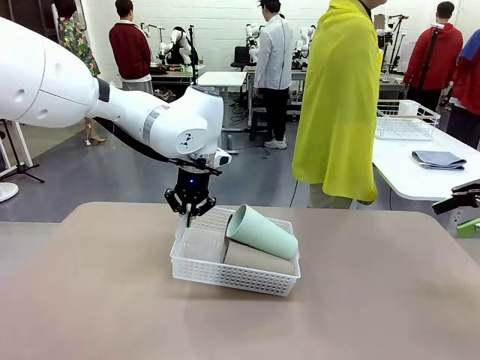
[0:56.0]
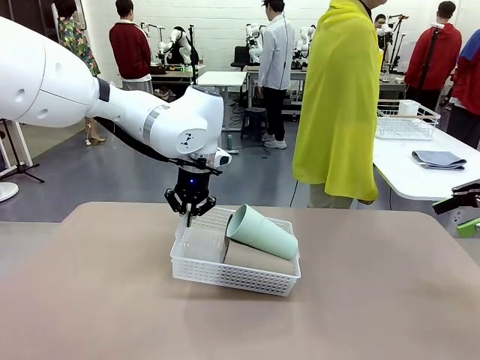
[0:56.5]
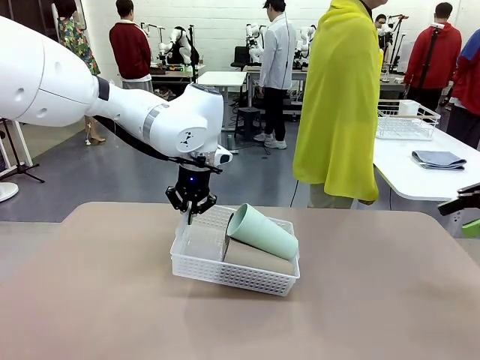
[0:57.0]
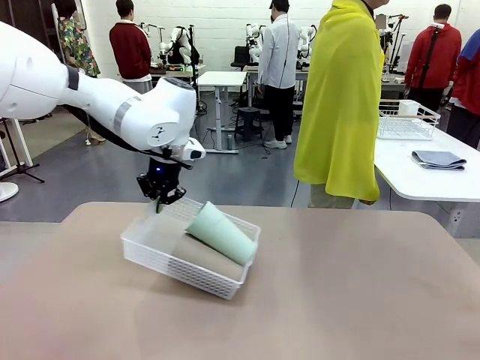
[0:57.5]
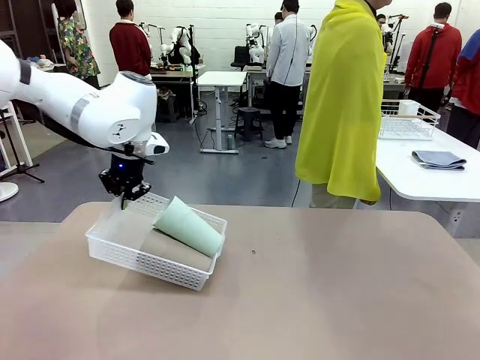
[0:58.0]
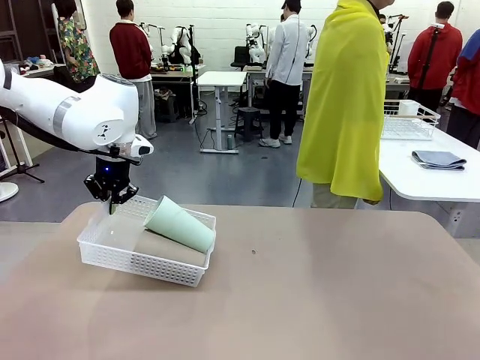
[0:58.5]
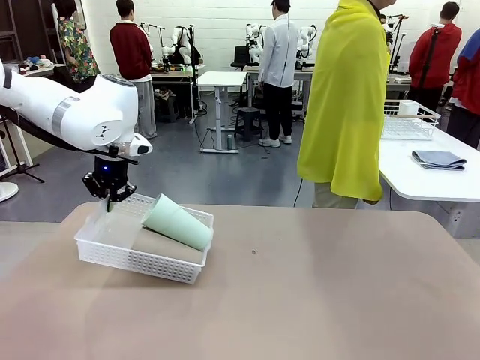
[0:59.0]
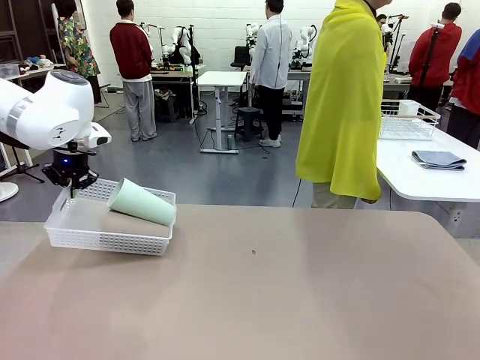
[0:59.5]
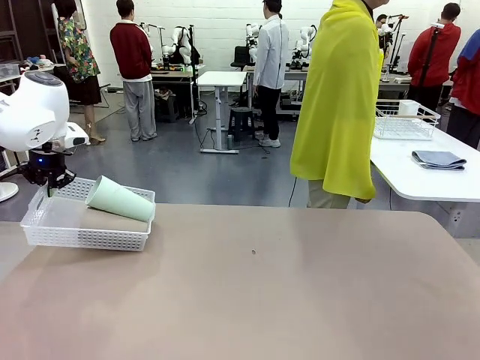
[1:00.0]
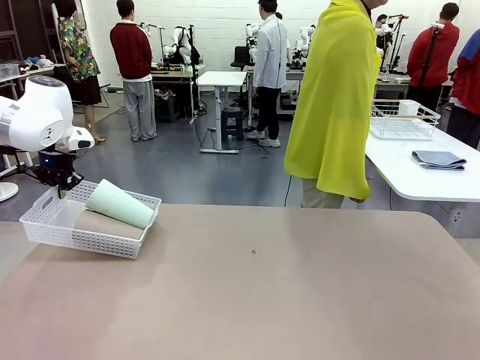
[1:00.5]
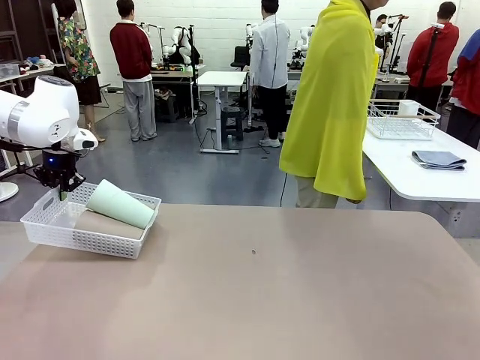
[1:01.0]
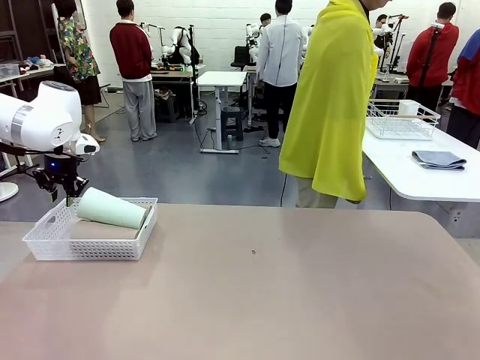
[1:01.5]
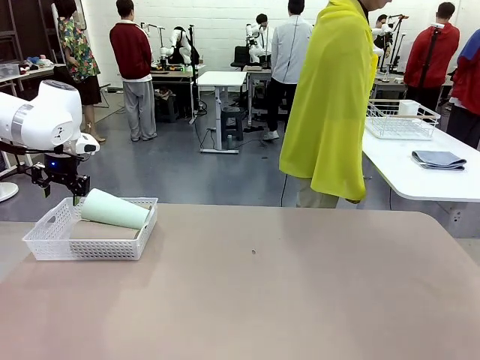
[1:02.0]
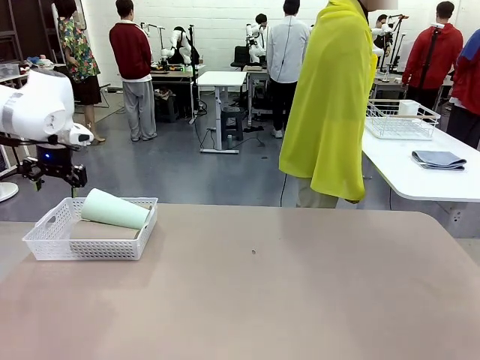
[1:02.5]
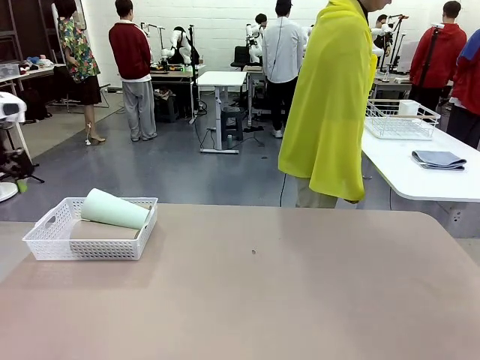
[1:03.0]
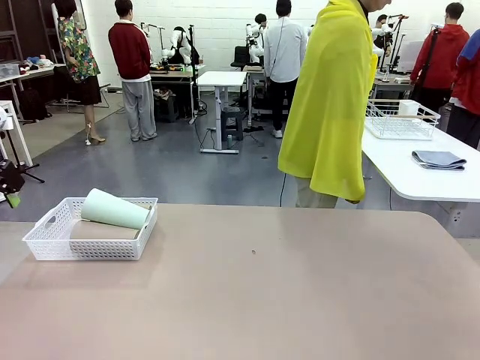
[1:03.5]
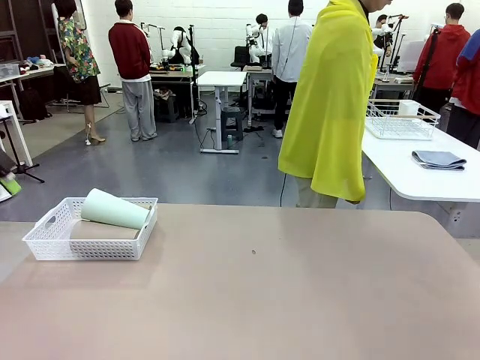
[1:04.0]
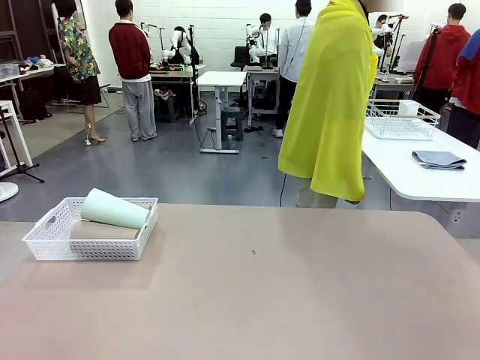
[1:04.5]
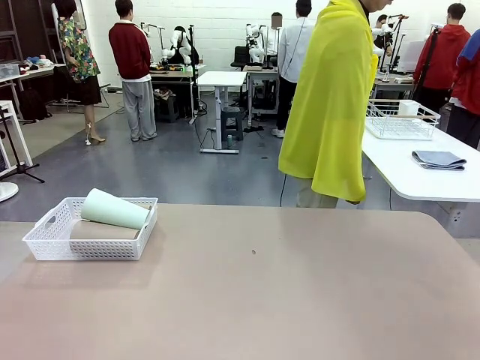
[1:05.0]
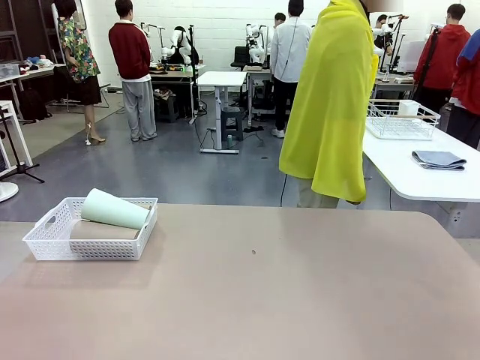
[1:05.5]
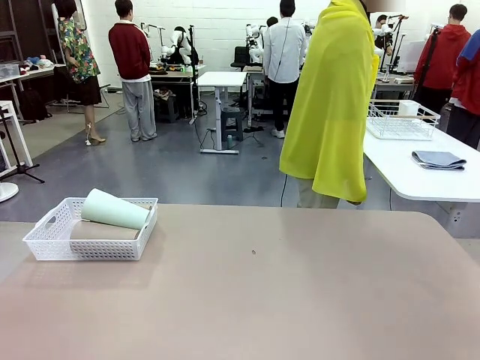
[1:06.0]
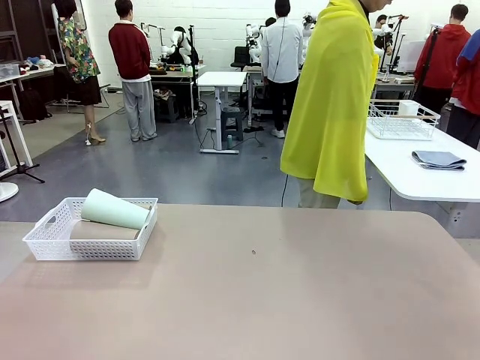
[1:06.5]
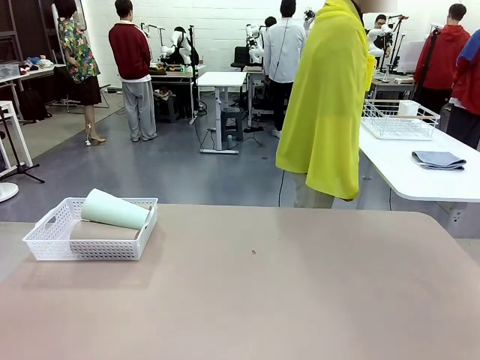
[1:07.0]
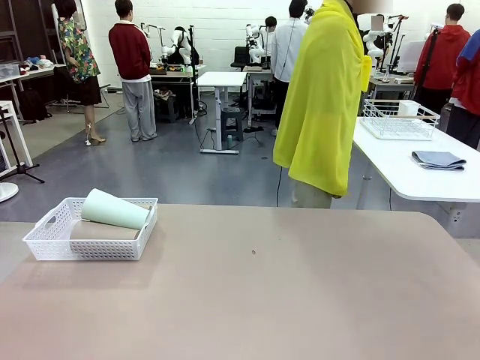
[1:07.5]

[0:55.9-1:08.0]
Task: Clean and organize the cups into the basket.
Robot: Move the Organizing basket back to the left side of the table.
Person: Folds the towel in half twice and places it in the right of the table.

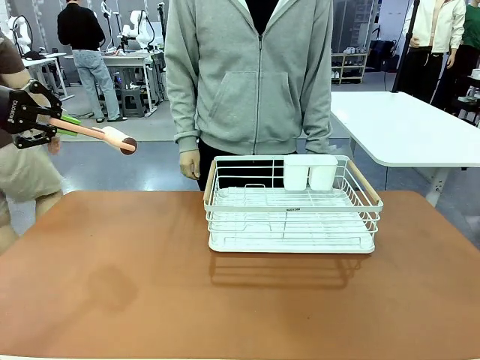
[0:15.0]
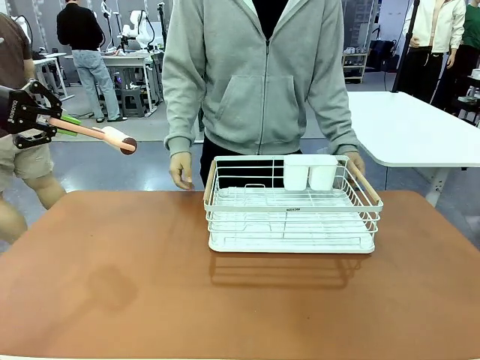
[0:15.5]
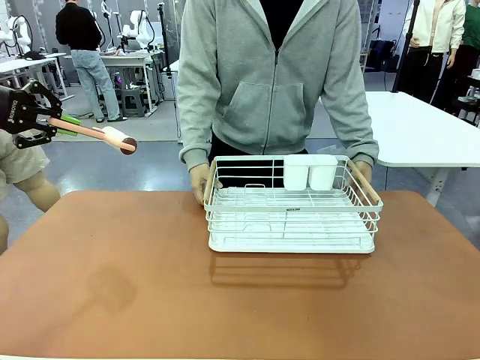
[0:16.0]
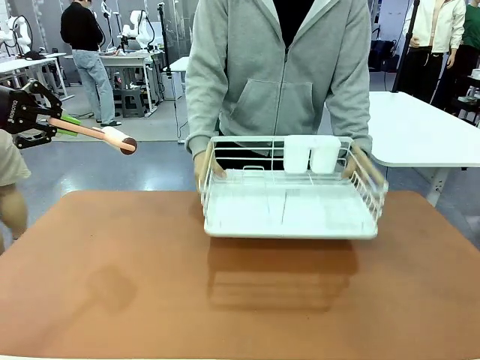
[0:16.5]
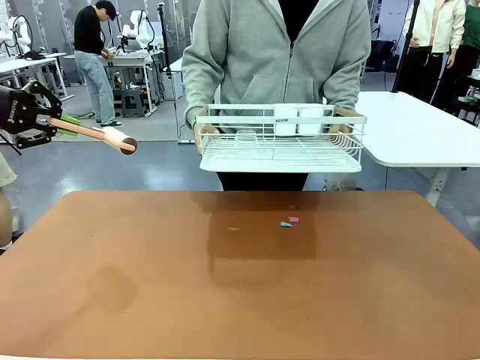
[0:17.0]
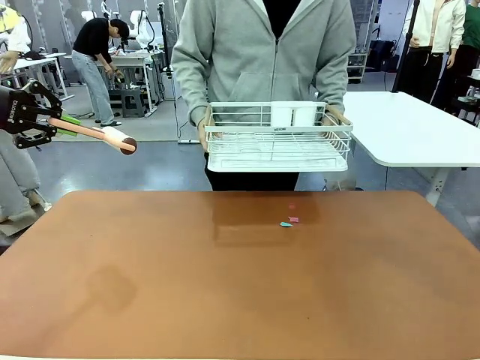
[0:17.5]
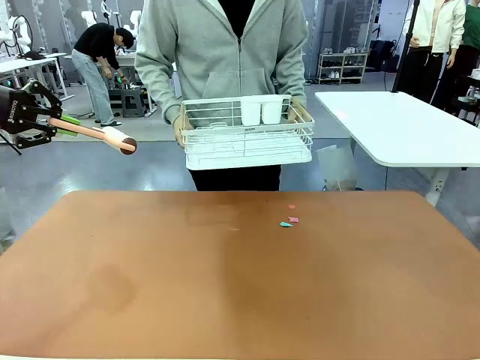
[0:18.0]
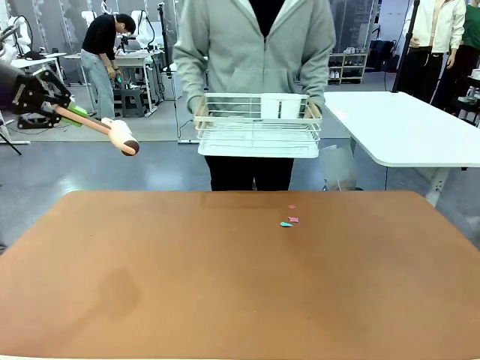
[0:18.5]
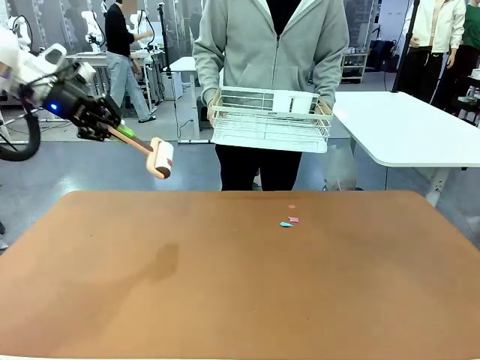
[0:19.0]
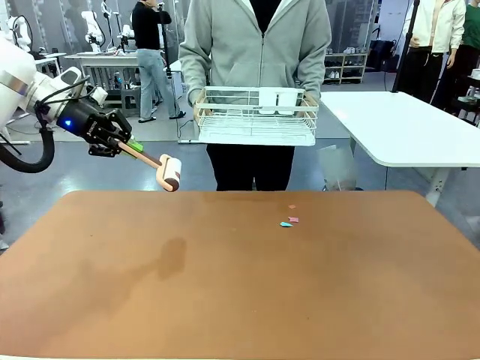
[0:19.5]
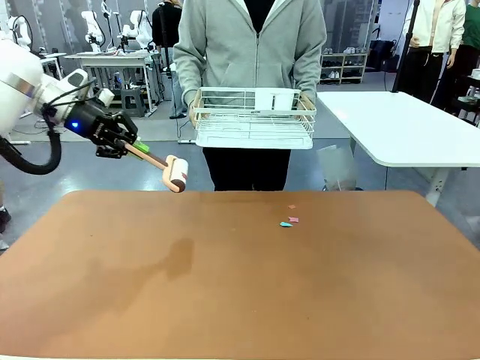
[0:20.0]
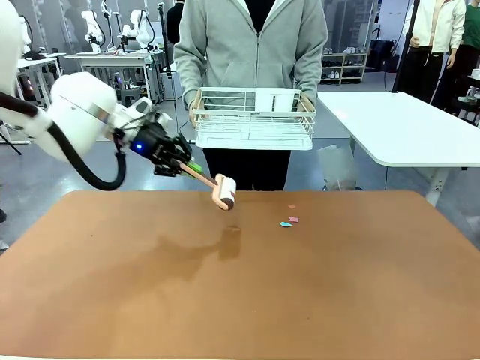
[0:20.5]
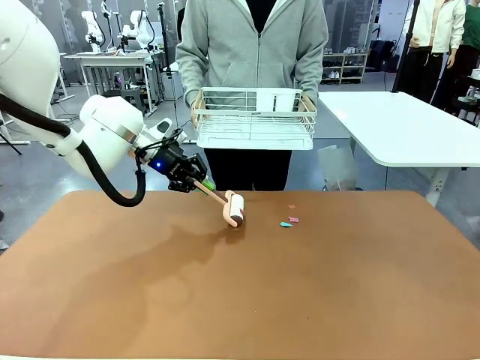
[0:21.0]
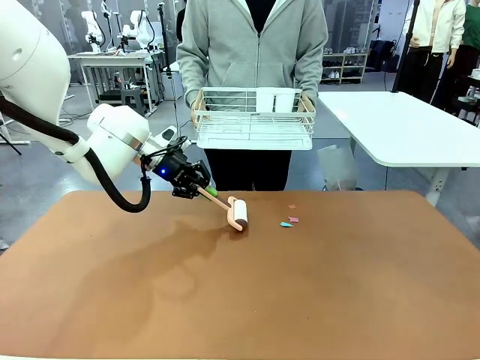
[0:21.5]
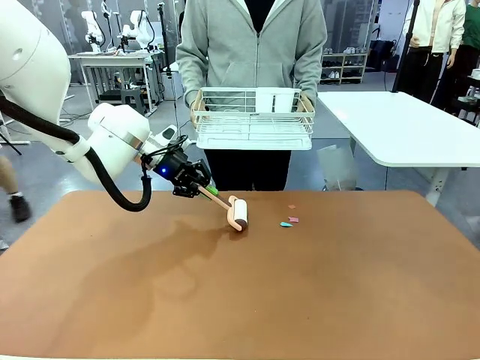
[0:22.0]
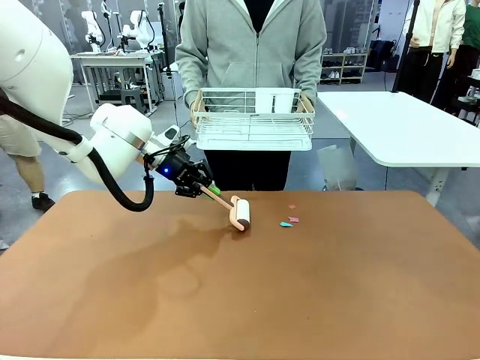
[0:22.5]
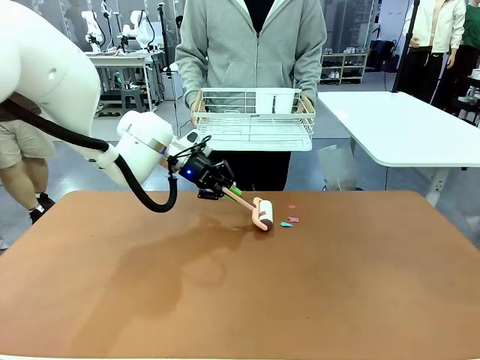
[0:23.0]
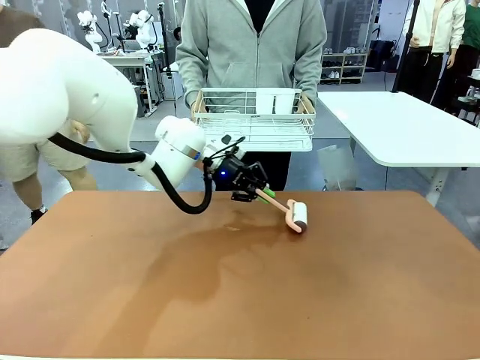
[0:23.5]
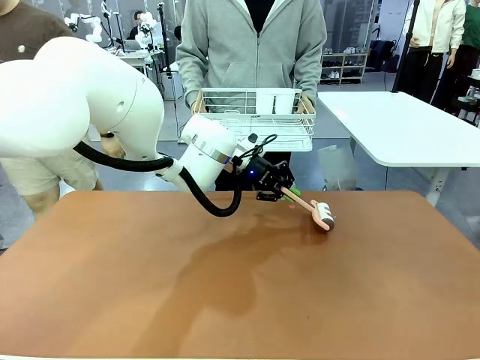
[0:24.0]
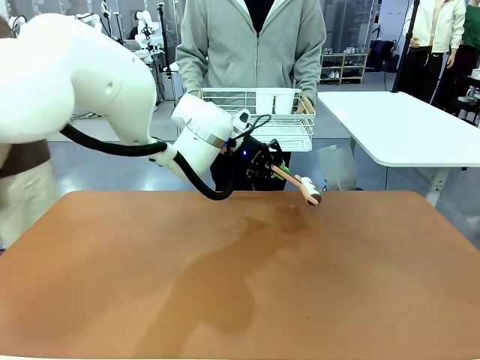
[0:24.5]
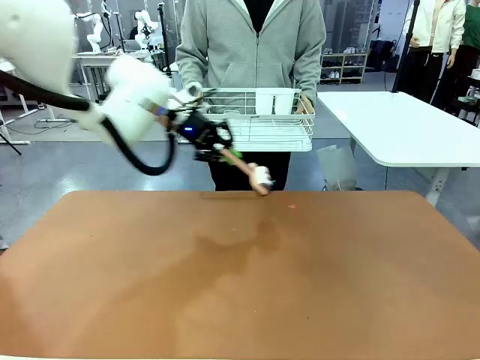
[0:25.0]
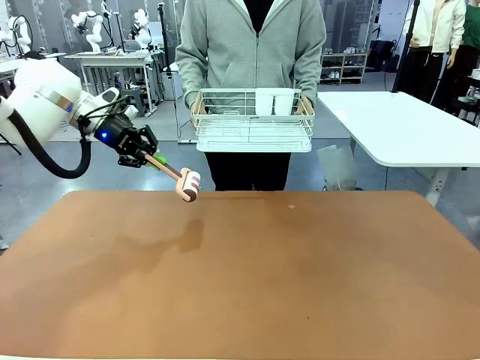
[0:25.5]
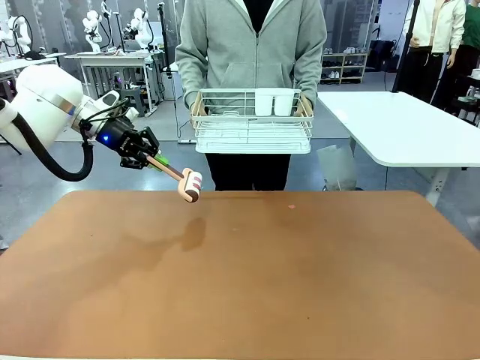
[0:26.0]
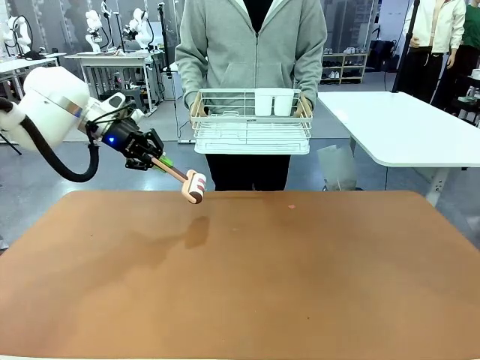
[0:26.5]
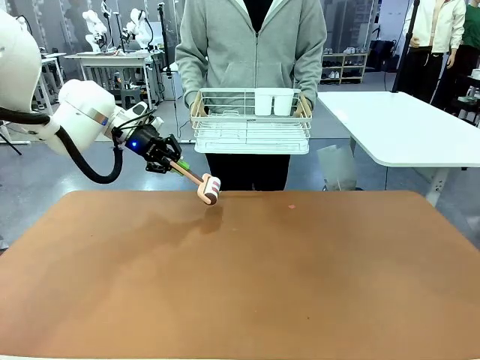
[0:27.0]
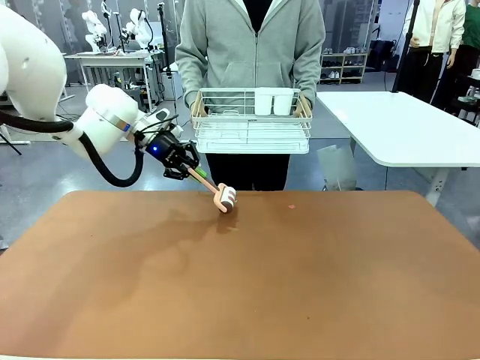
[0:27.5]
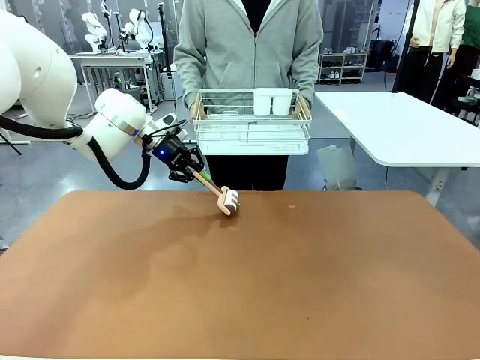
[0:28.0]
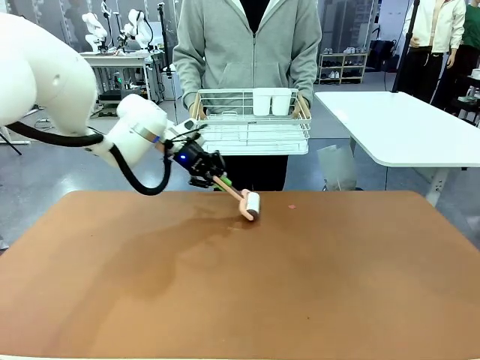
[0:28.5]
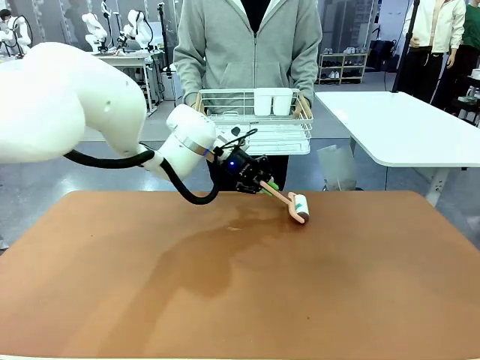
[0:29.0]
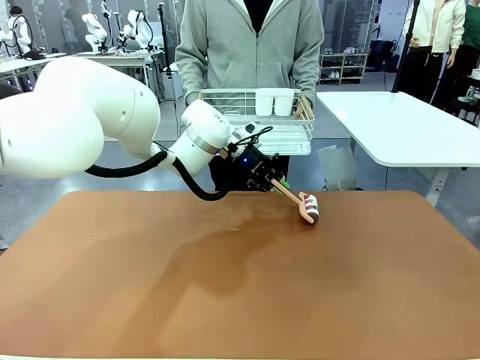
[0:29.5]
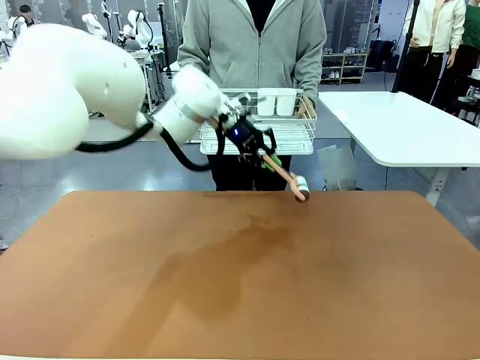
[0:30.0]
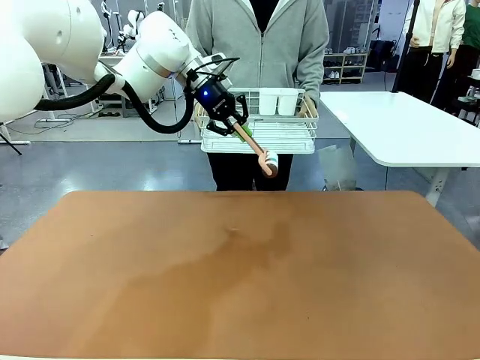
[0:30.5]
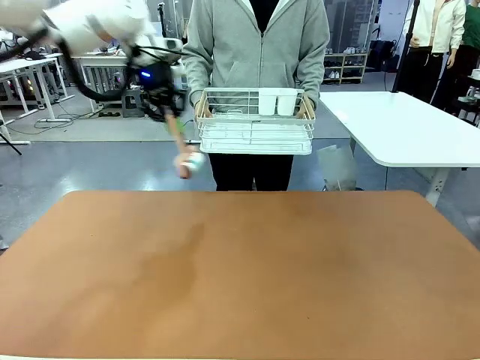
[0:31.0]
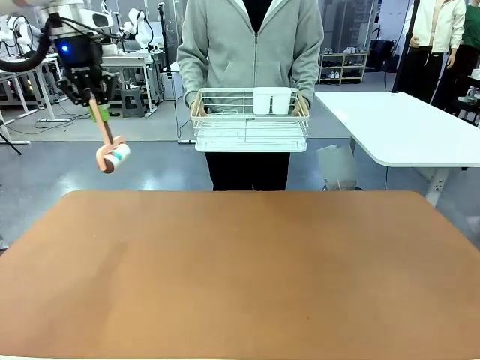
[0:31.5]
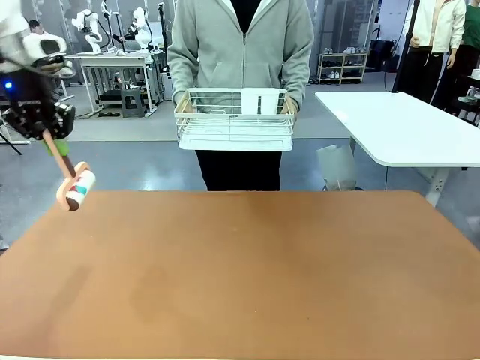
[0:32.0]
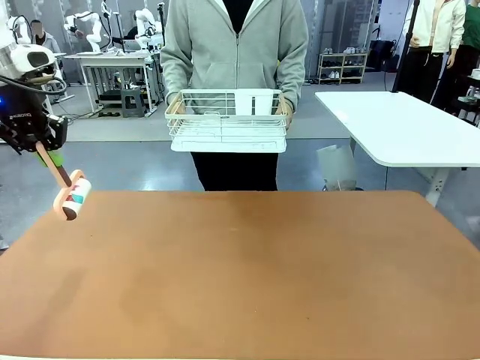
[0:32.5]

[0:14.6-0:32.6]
Task: Clean the table.
Robot: Clean the table with the Lint Roller when the human lifts the Dish drying rack.
Person: Place the Dish drying rack down when the robot finishes cleaning.
